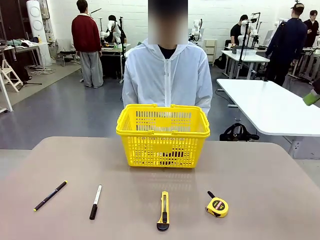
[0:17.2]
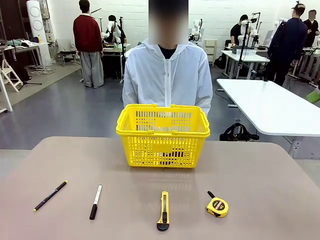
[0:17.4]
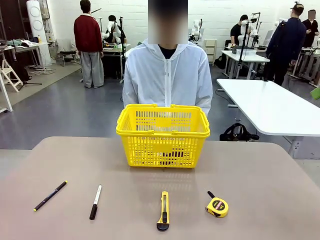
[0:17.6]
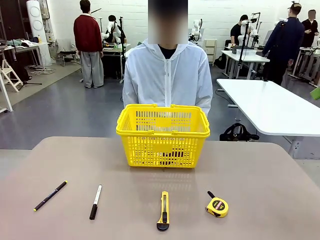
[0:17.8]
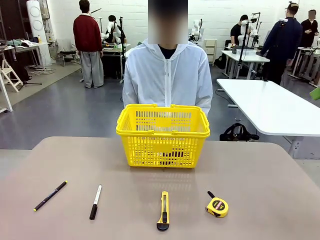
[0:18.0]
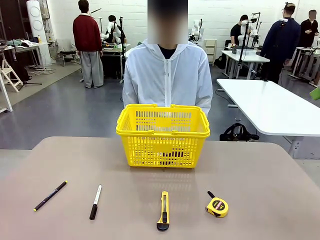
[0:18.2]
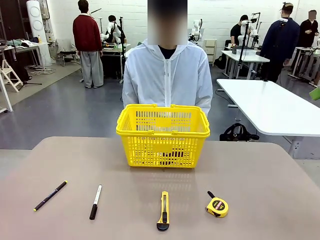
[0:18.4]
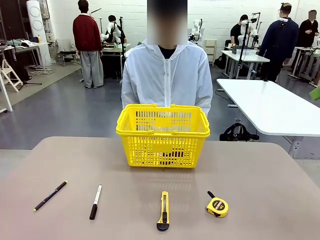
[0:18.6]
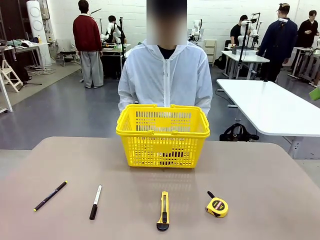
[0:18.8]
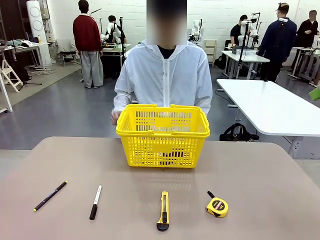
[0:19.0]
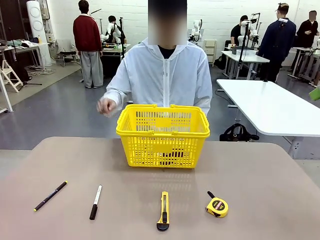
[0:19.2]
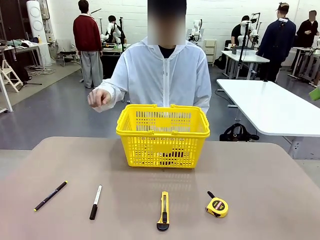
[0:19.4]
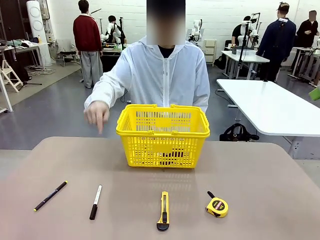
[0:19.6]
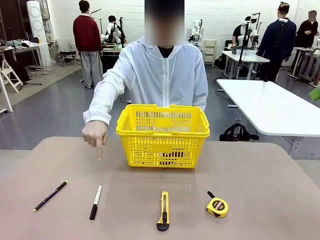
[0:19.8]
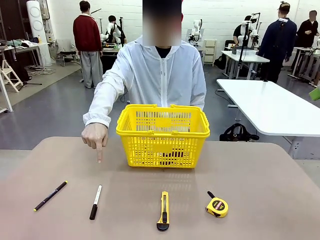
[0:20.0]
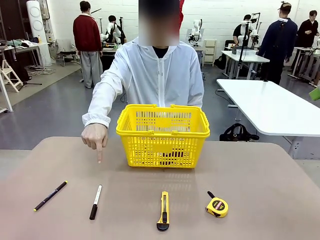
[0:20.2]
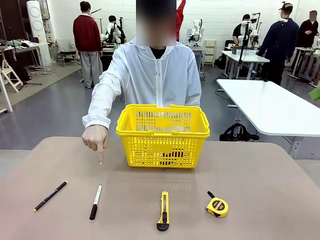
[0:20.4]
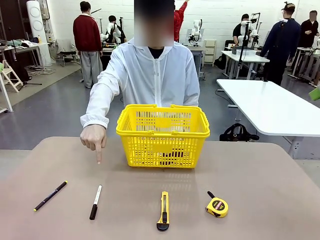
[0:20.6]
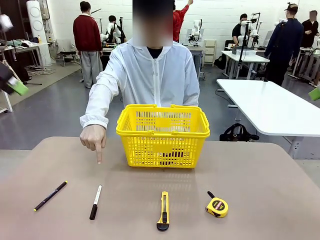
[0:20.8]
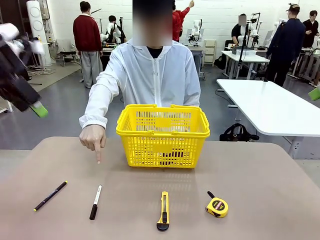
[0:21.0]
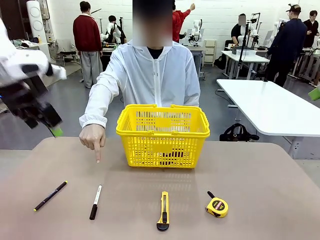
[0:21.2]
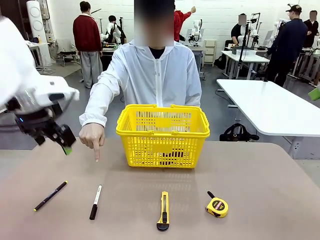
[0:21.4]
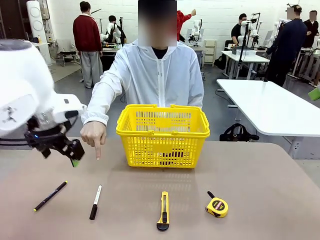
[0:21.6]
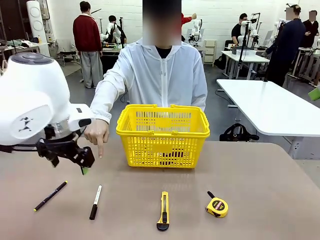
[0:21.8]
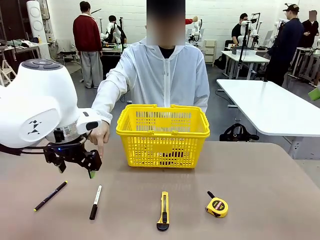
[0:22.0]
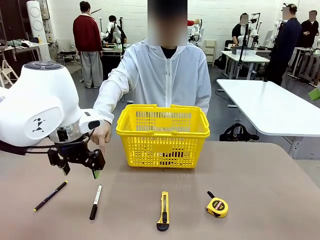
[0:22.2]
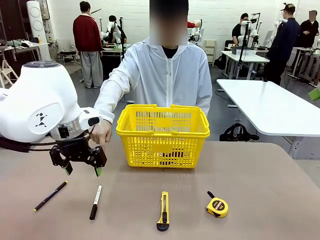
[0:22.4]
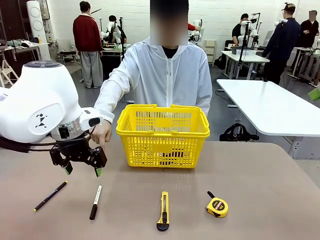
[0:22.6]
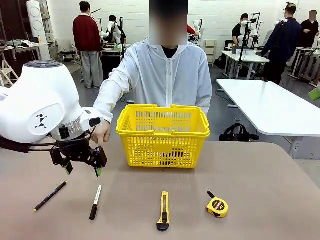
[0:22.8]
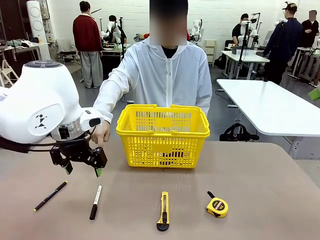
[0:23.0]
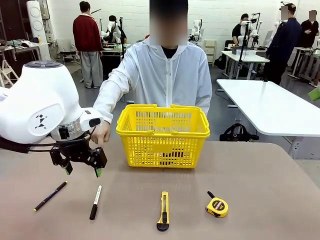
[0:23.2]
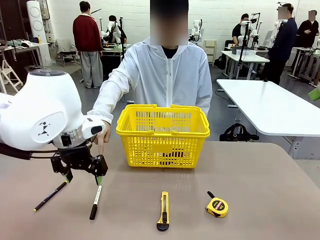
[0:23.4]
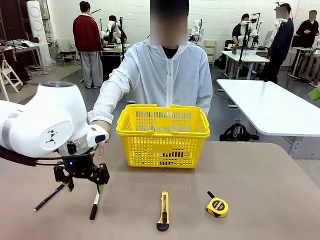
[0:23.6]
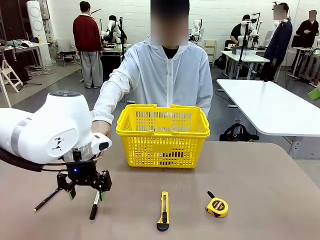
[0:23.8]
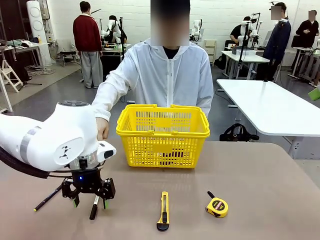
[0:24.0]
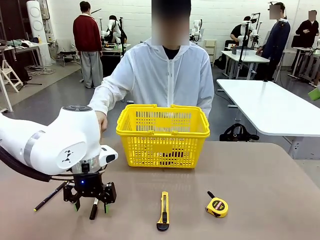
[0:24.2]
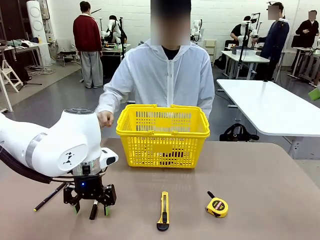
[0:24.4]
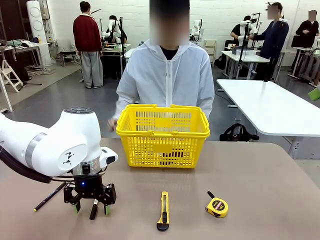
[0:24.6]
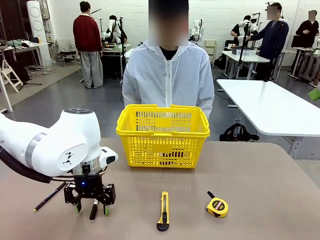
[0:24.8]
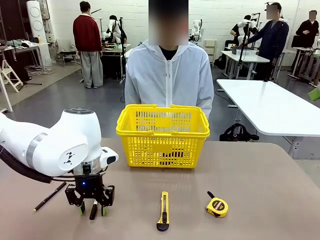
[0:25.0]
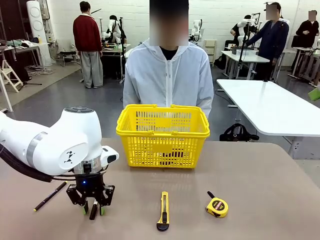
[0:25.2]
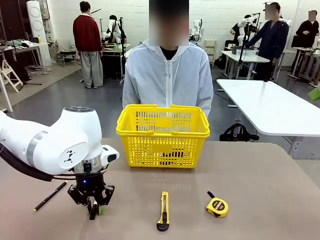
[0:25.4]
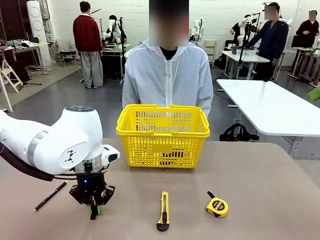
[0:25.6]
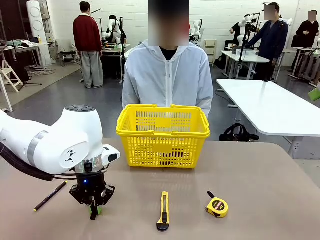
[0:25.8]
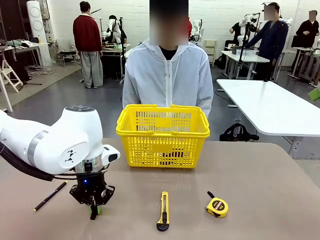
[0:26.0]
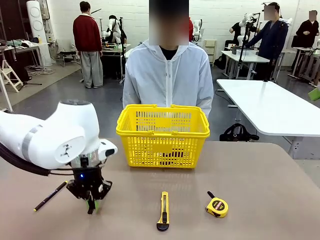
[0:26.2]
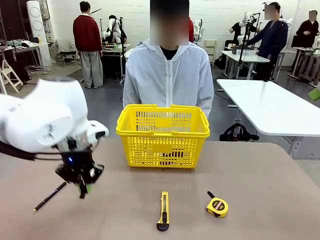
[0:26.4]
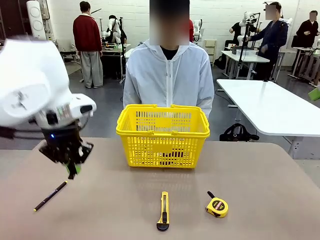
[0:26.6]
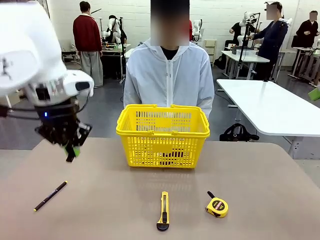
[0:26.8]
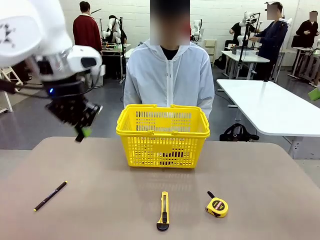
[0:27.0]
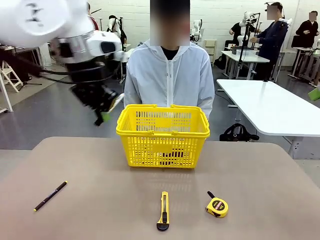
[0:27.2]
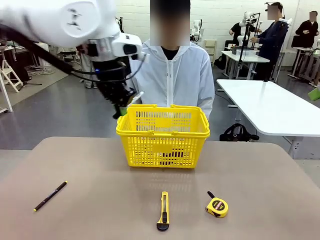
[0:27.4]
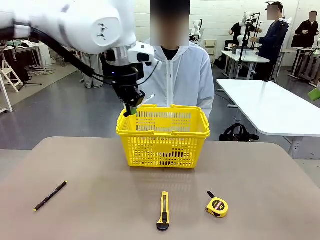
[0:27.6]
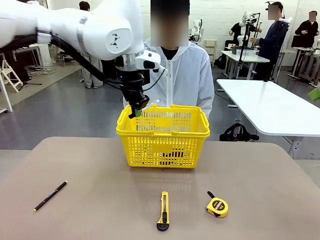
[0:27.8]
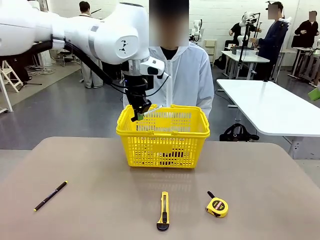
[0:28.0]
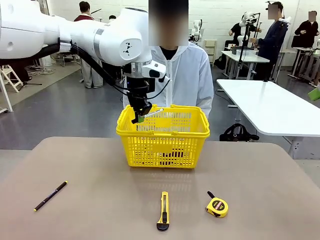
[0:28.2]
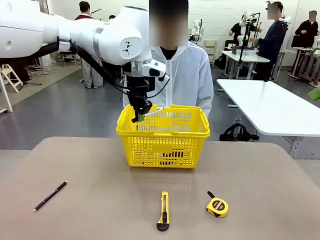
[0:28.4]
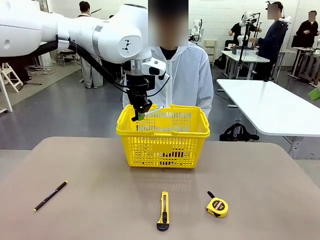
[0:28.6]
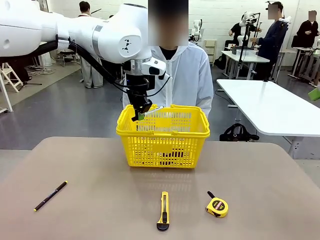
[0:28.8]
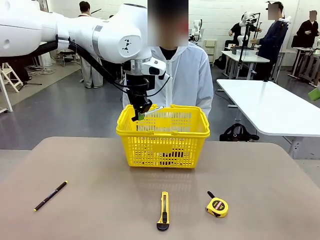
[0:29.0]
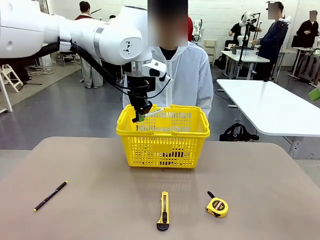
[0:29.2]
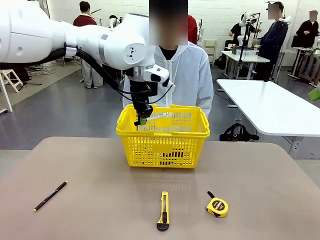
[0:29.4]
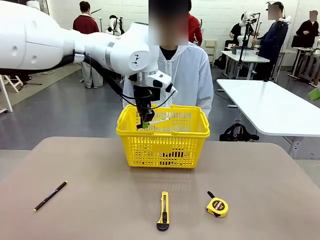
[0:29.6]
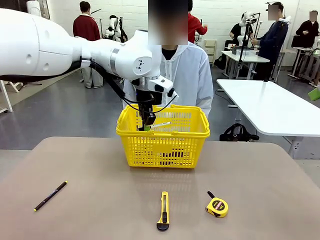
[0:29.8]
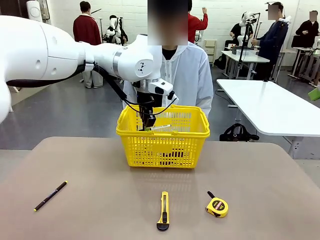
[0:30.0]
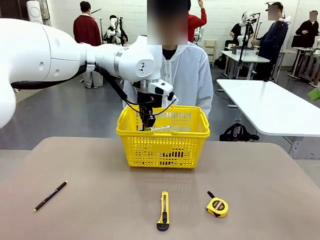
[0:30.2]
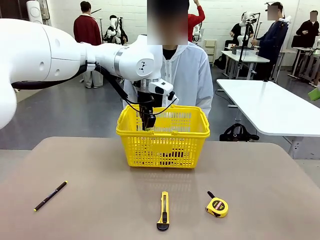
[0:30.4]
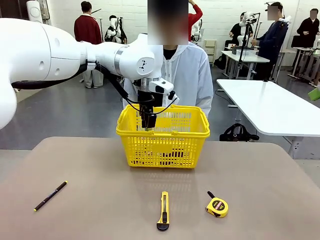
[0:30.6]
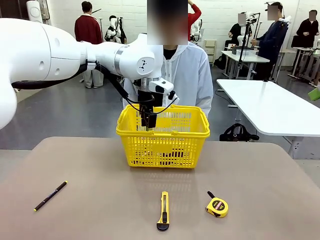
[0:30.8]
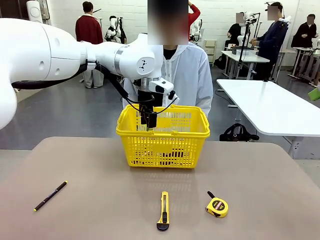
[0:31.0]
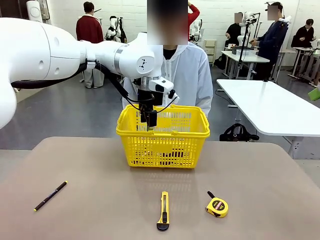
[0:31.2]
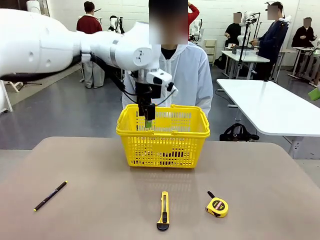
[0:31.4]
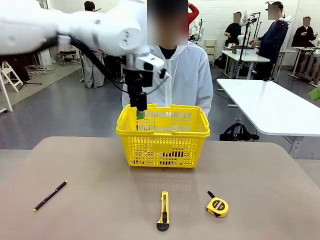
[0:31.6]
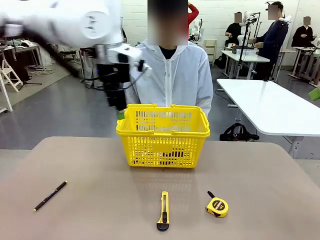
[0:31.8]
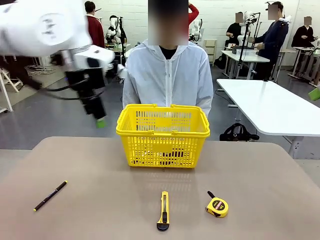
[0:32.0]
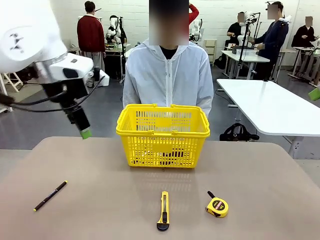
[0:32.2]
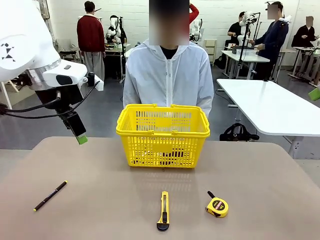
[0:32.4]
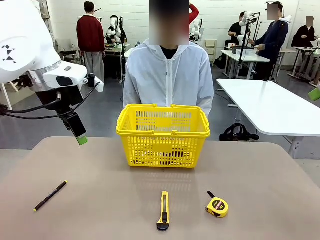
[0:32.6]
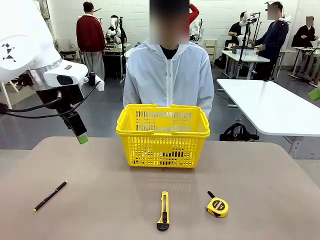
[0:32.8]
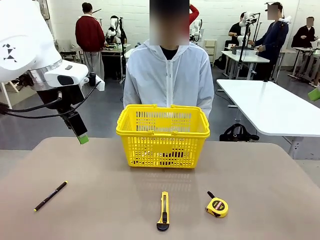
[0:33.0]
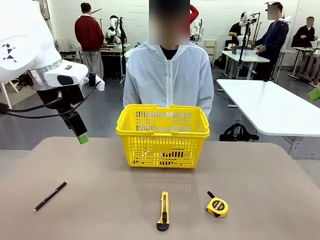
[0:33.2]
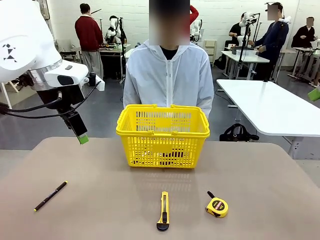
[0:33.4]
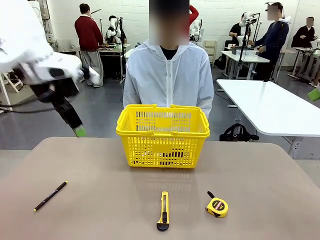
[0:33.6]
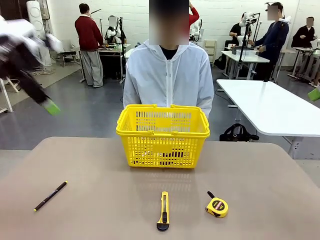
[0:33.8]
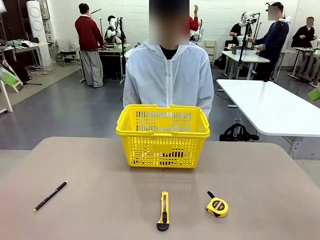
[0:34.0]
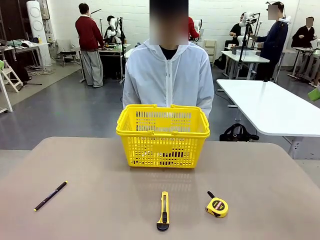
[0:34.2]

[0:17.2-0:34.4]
Task: Place the items the person wants into the basket.
Robot: Pick up the item the person points to and place it in the Market Basket.
